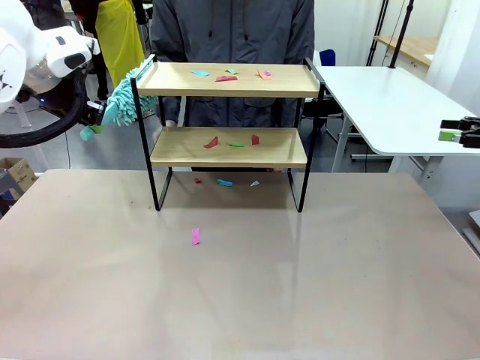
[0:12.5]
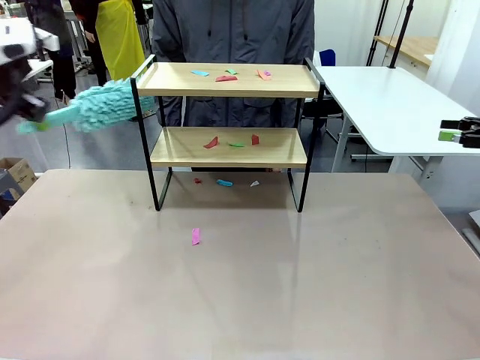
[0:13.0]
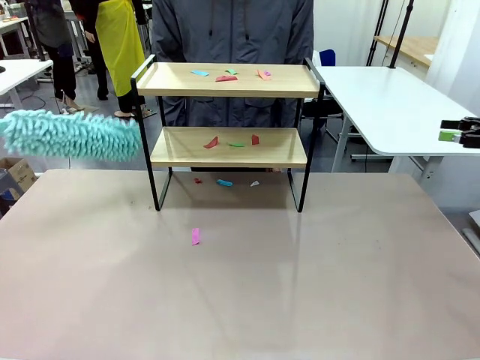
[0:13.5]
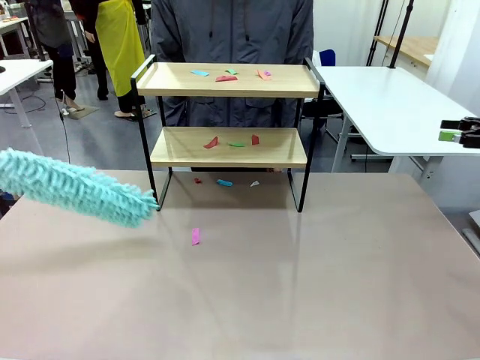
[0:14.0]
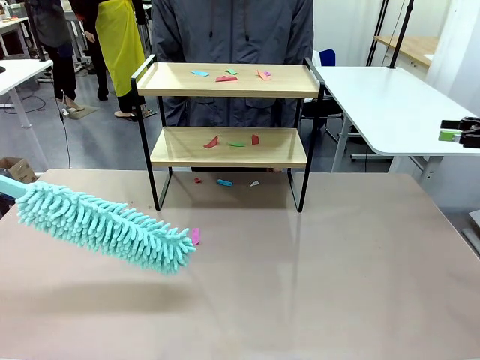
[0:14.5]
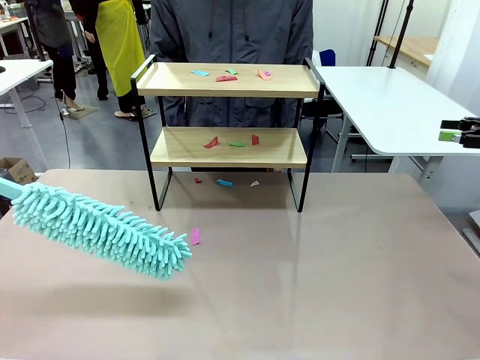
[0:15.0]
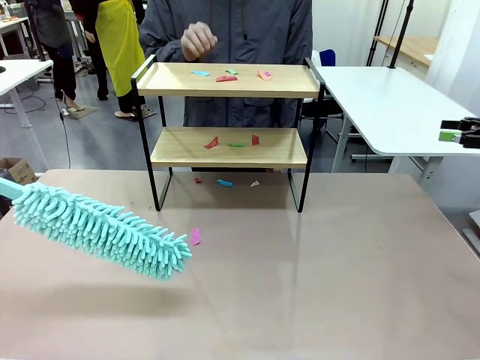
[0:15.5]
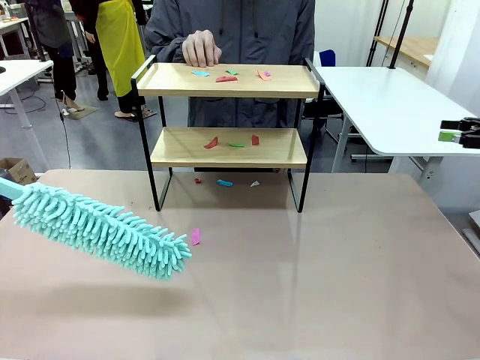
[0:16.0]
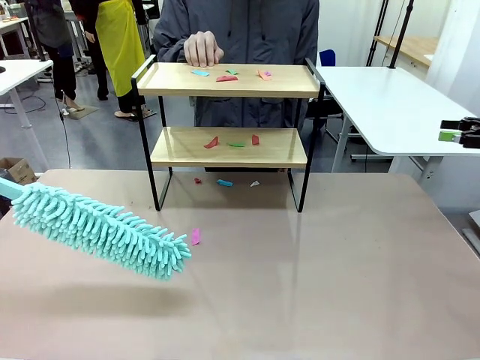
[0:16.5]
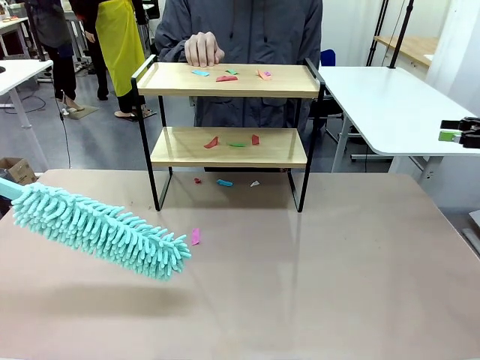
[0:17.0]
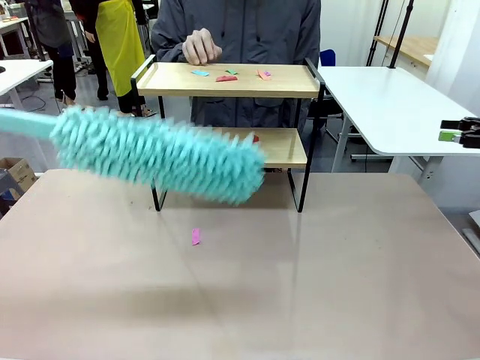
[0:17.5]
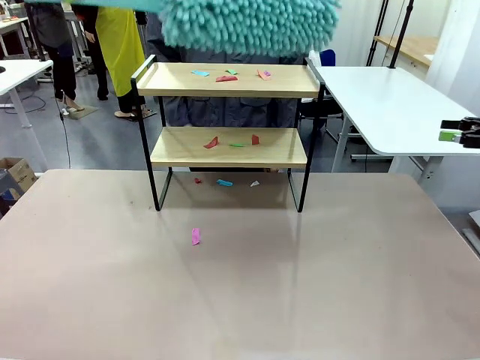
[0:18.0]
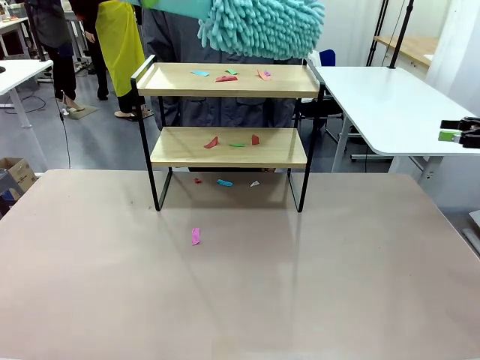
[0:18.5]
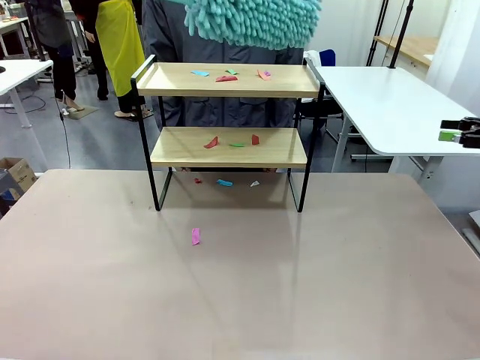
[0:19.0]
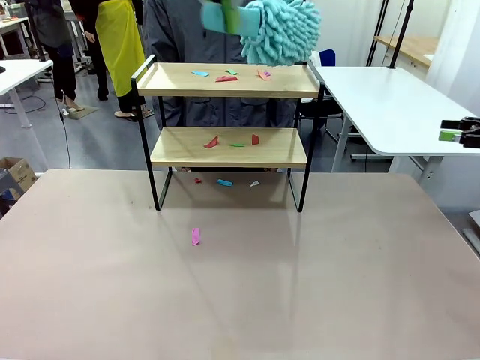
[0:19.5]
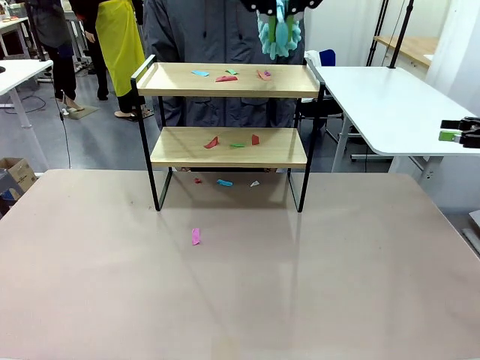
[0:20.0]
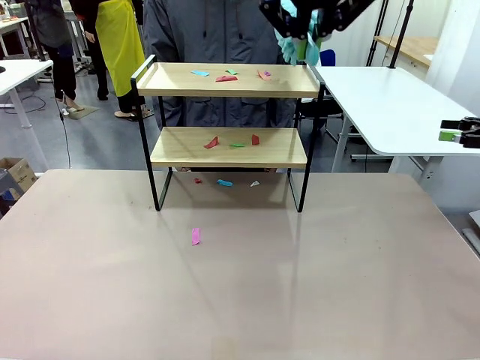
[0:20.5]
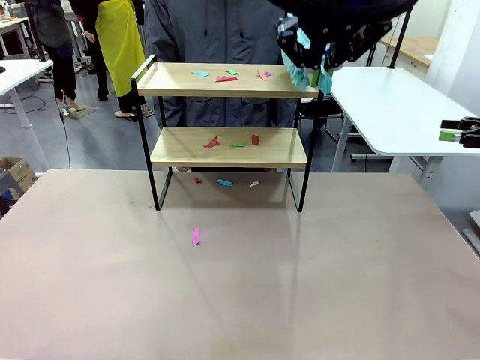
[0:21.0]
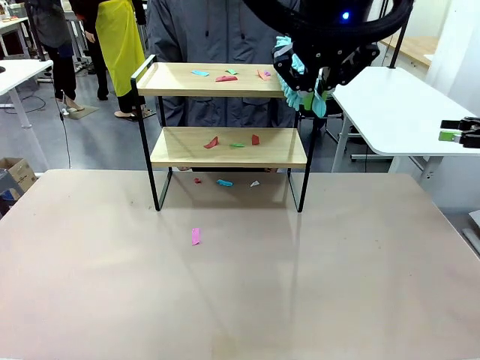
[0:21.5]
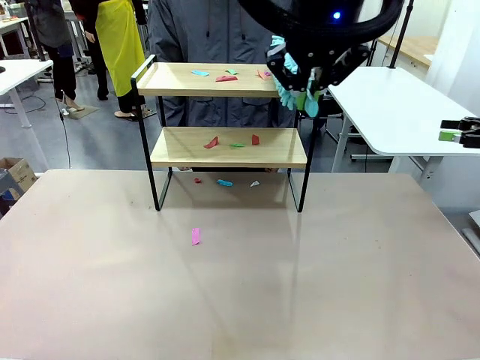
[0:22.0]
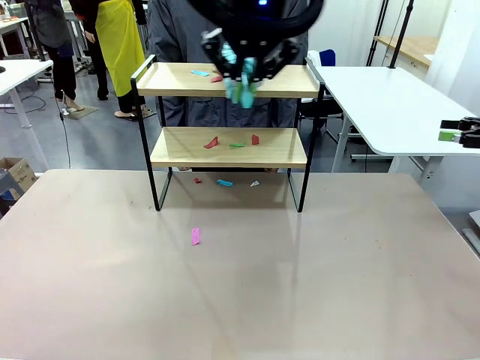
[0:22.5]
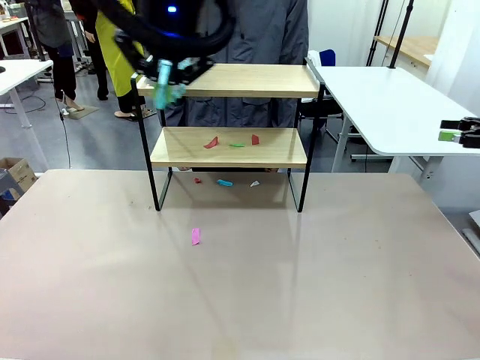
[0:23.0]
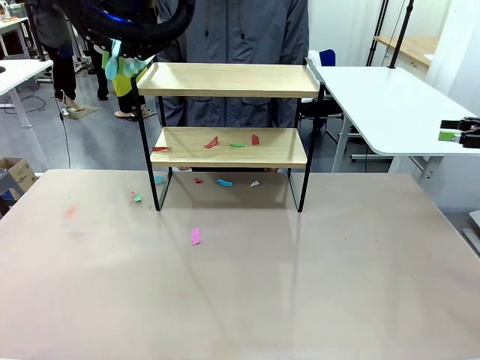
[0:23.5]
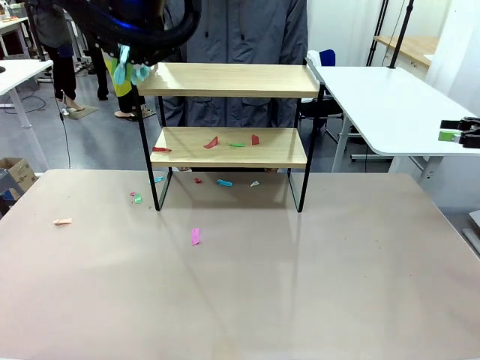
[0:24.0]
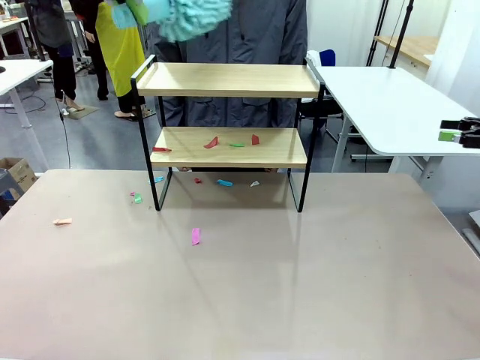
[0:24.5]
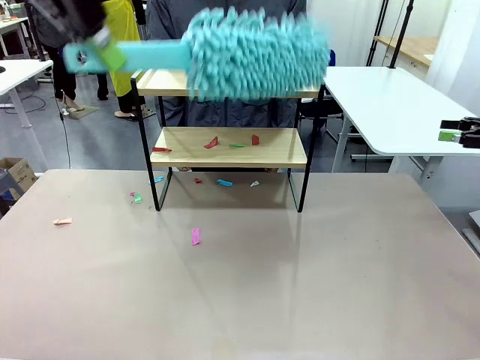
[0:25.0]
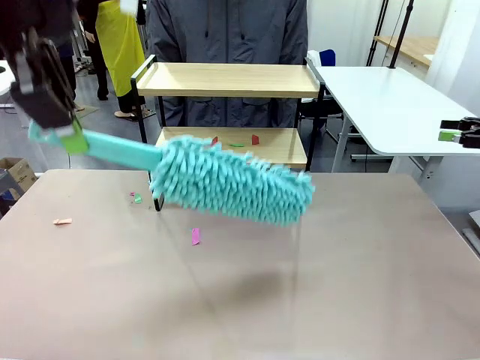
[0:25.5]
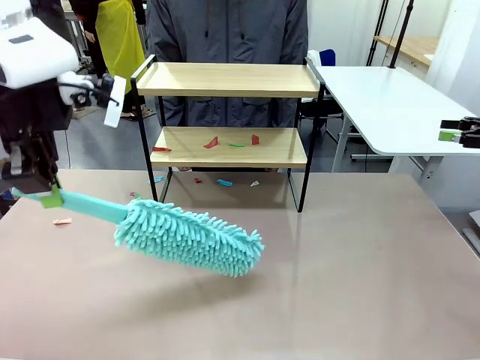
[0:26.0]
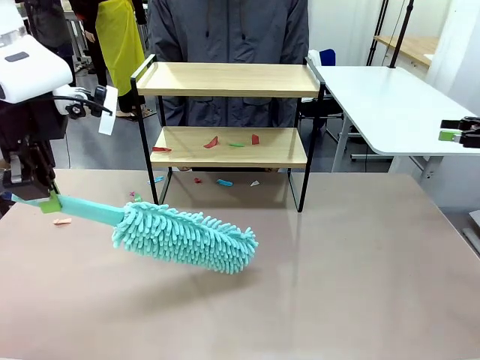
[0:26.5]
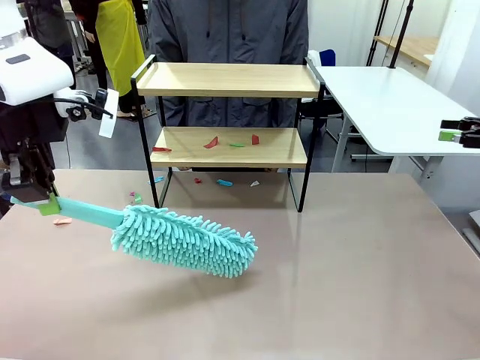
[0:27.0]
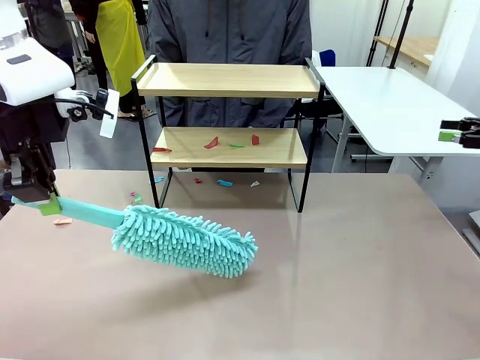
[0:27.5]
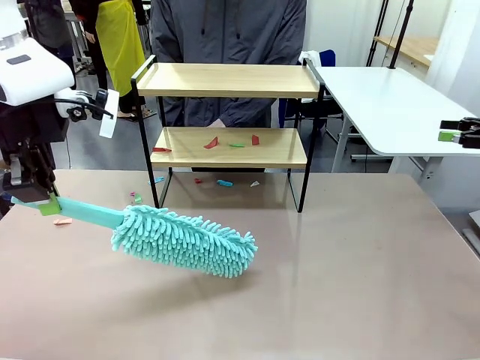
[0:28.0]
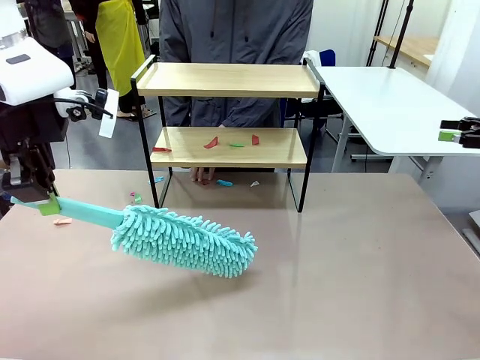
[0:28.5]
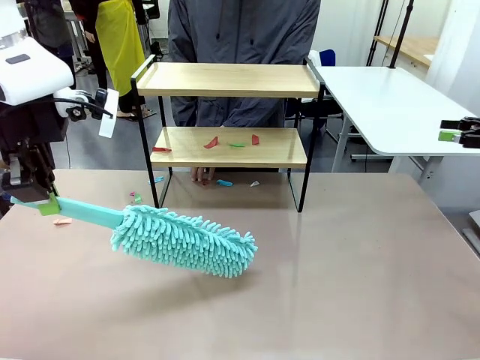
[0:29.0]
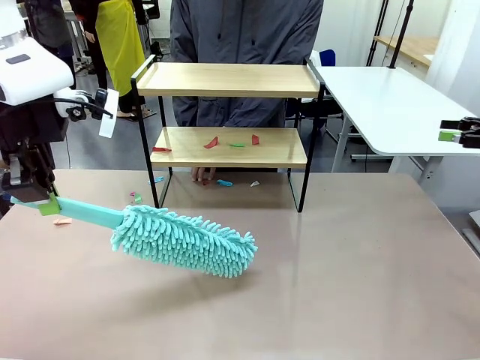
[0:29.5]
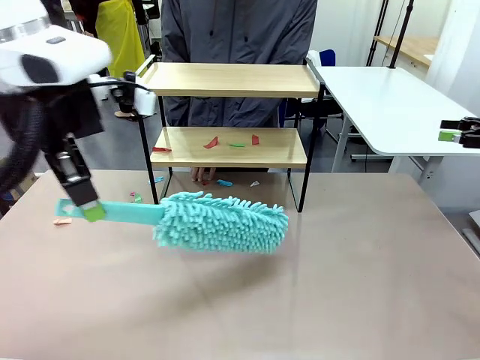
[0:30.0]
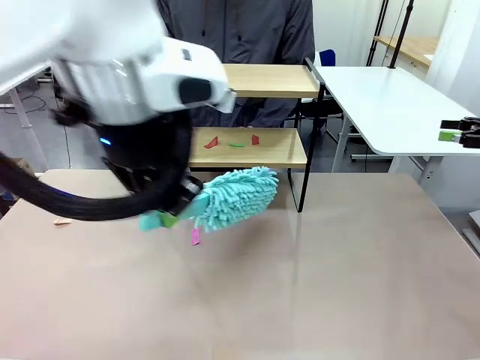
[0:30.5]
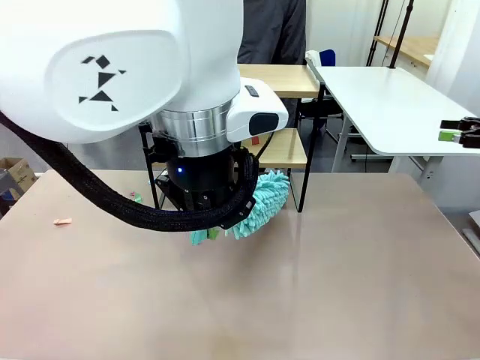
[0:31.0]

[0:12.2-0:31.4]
Task: Clean the shelf.
Robot: Clean the specific section of the Shelf indicated by the human with the Duster.
Person: Point a random section of the Shelf.
